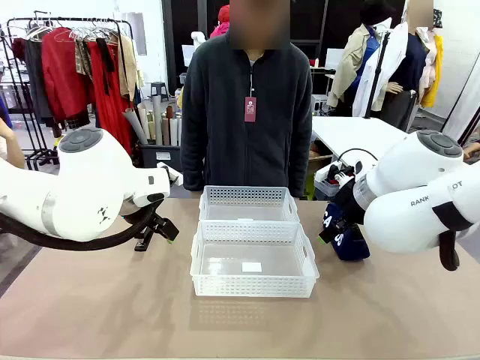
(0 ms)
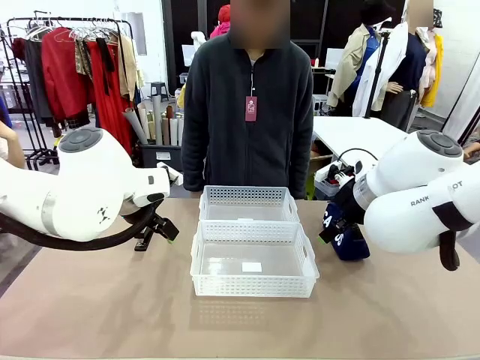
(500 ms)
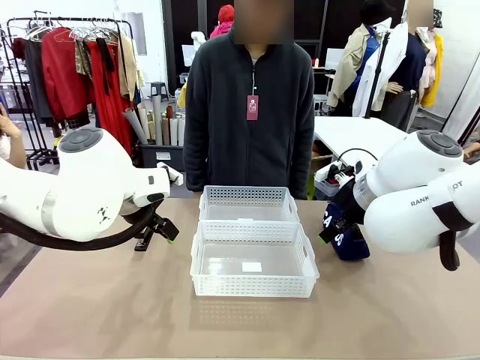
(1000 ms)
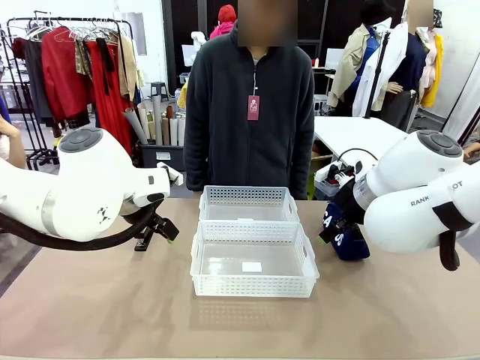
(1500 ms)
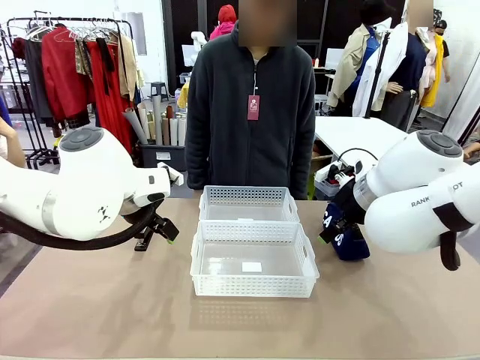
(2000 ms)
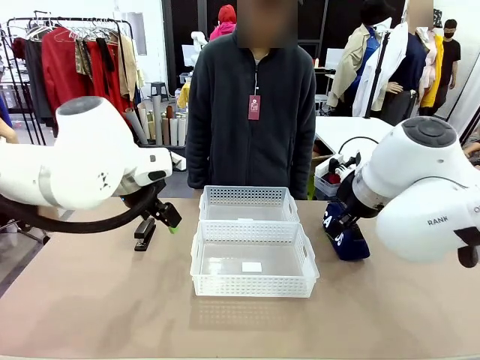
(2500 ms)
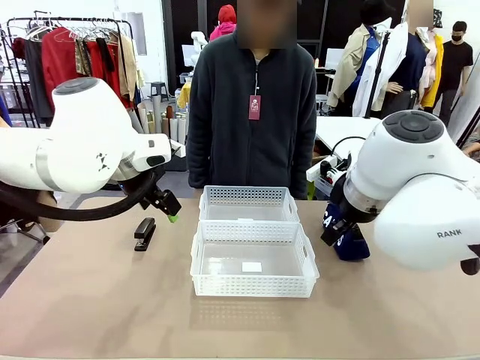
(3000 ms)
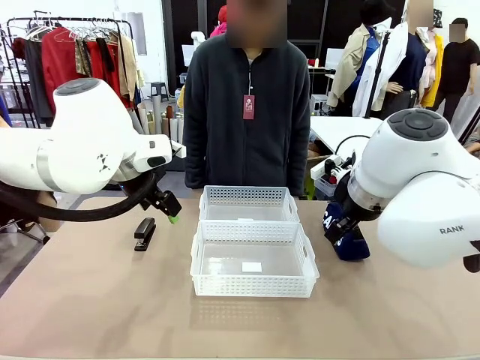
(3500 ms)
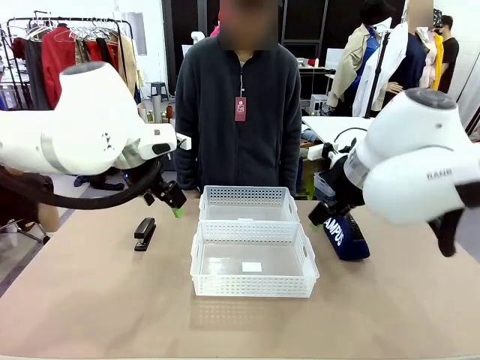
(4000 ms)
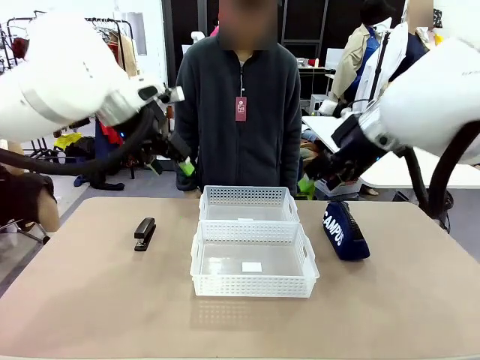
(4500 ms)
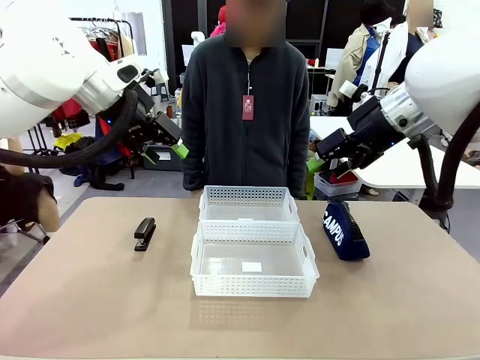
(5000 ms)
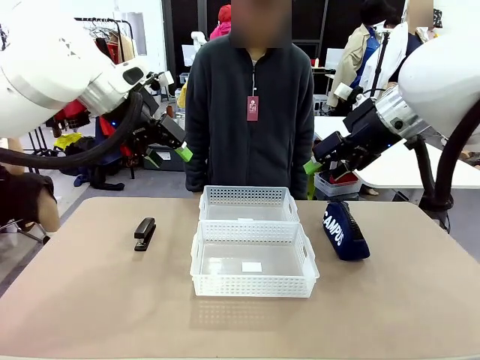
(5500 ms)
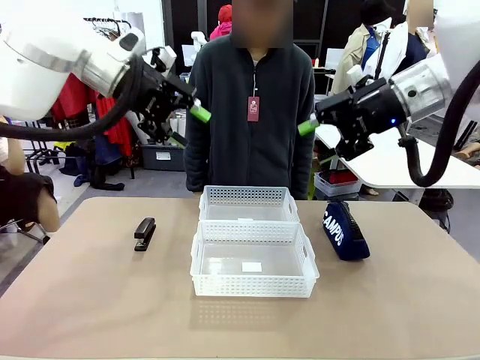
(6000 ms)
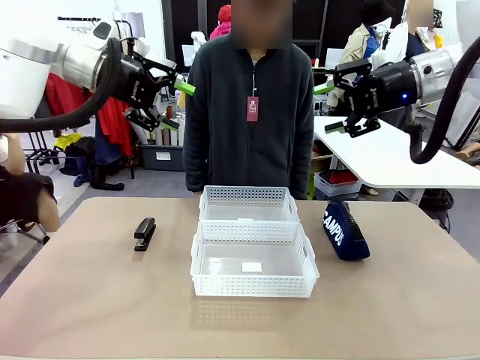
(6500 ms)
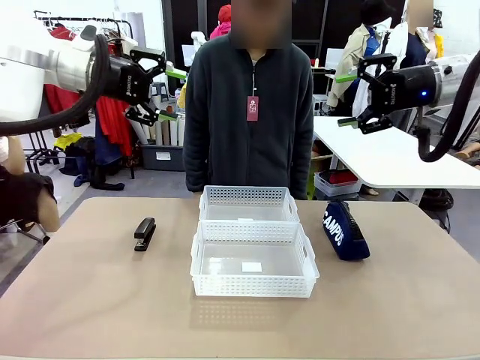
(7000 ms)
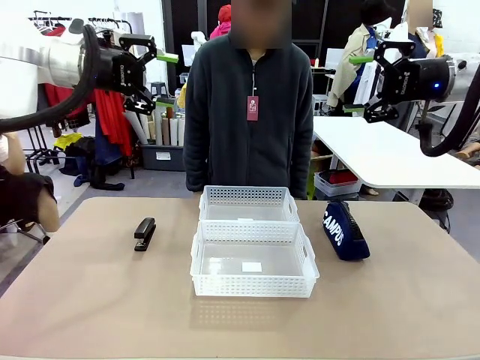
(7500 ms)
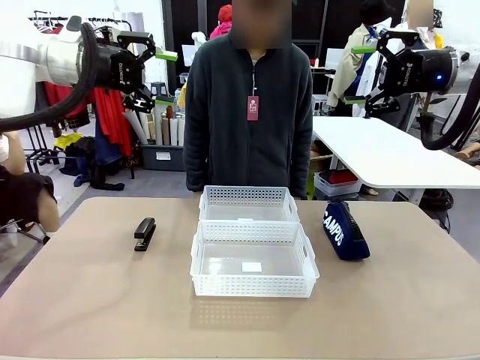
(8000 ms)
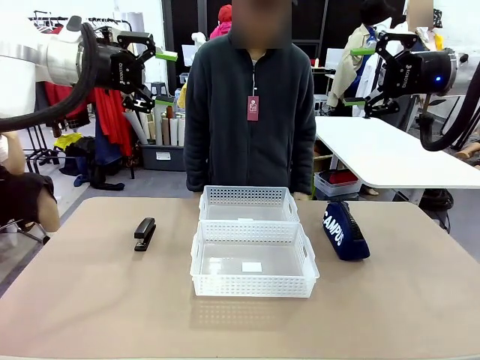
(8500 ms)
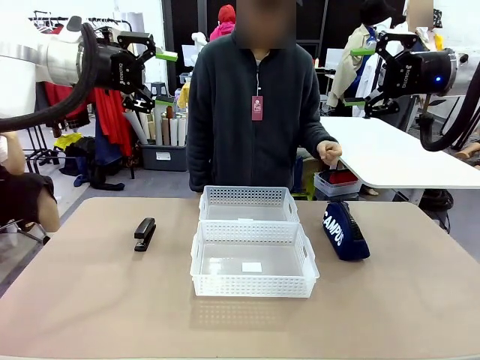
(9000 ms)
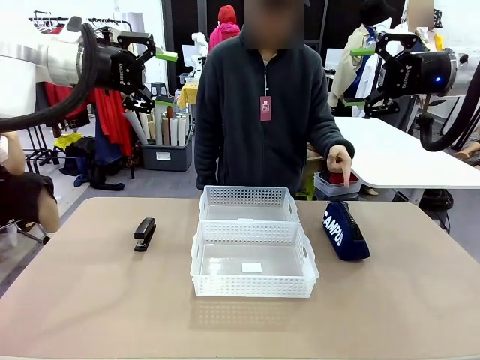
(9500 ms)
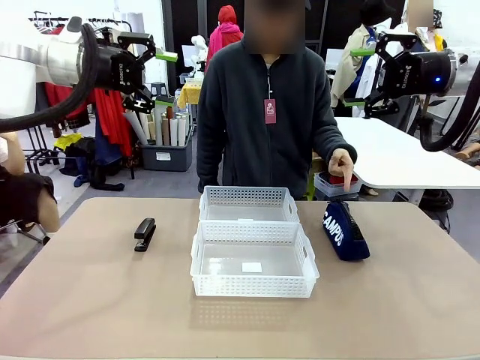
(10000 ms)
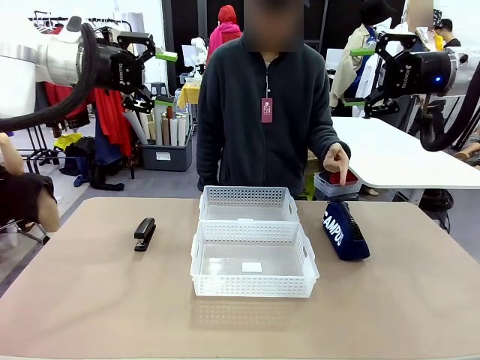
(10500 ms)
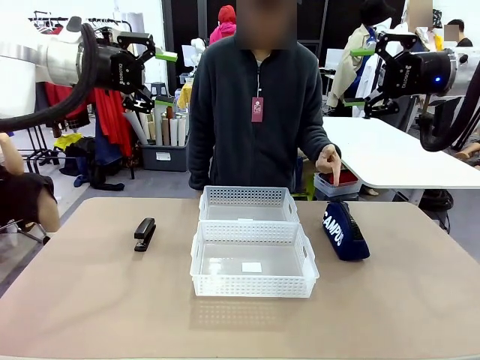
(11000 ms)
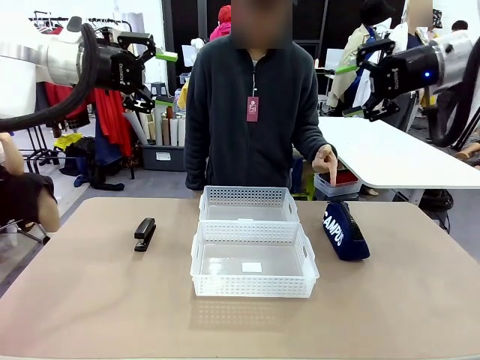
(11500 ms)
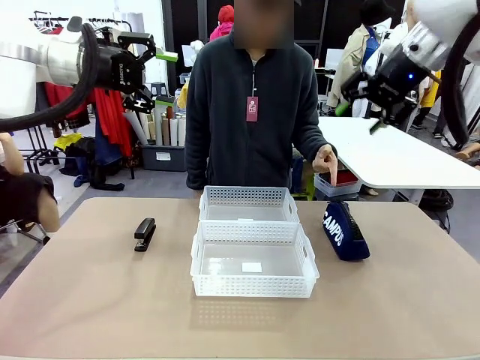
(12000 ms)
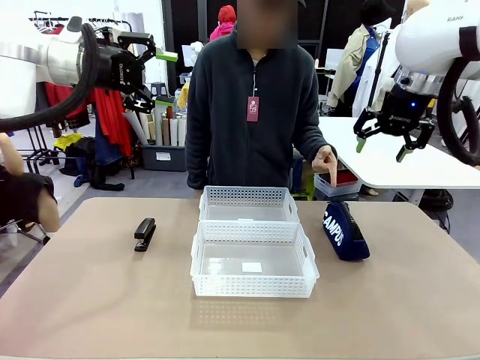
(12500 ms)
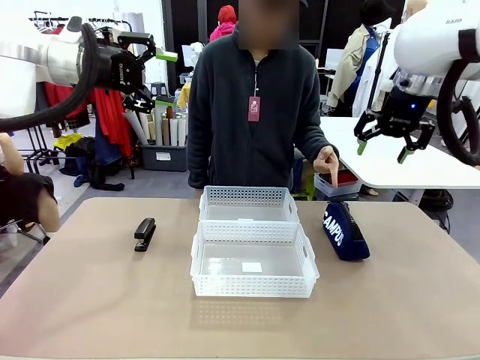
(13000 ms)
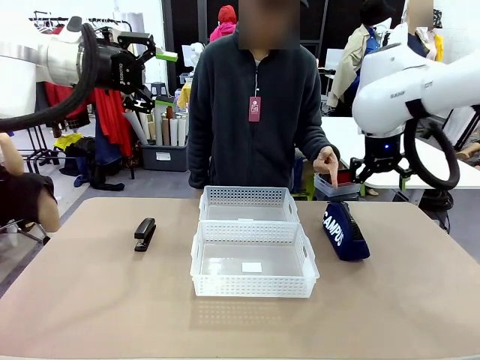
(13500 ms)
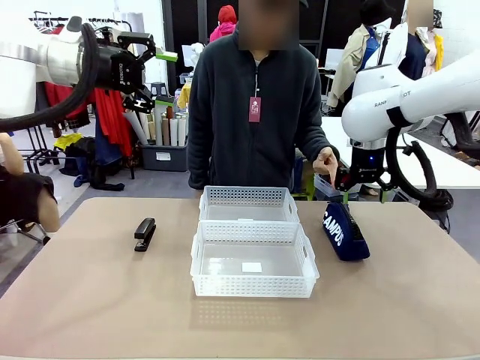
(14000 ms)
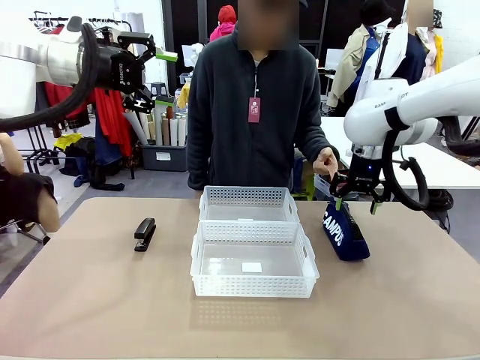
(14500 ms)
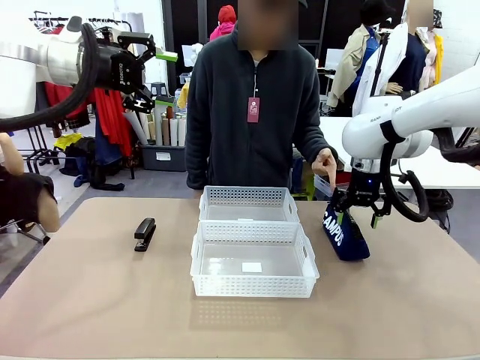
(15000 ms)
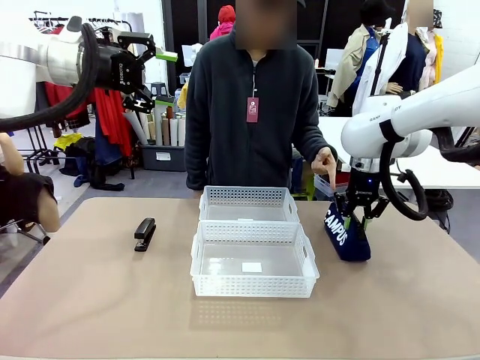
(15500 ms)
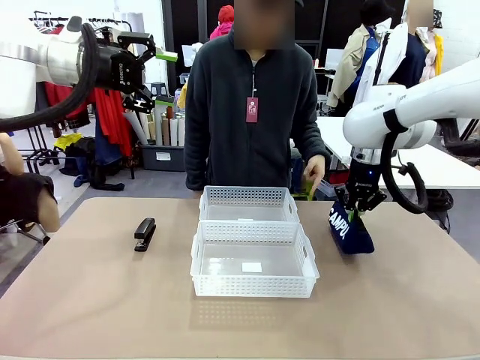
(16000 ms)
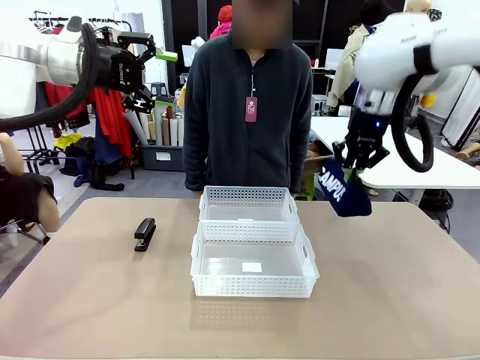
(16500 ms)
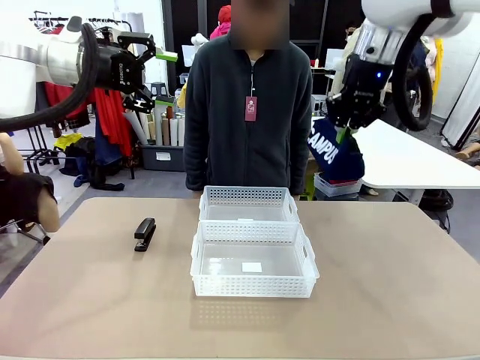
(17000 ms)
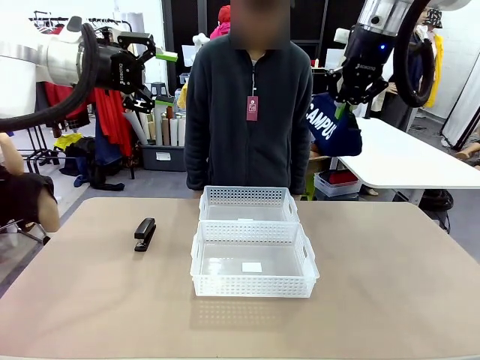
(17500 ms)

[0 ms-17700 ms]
Task: Distribute items into two baskets.
Robot: Pick up the Pencil pouch that the person points to.
Person: Points to the pencil case. Points between the two organizing baskets and instructs the robot to move the pencil case.

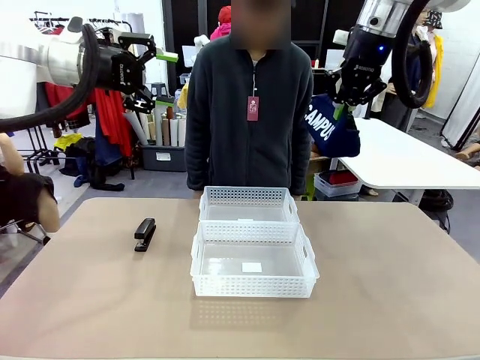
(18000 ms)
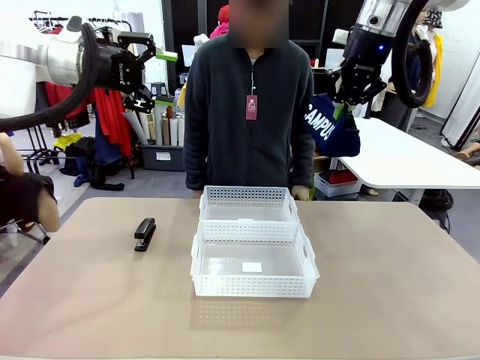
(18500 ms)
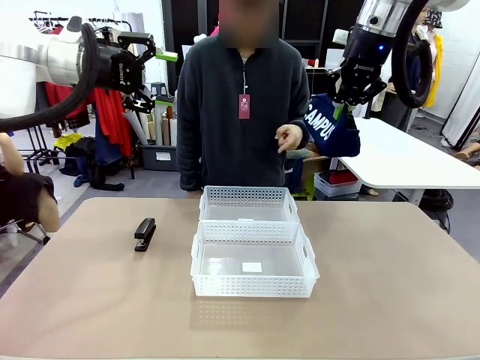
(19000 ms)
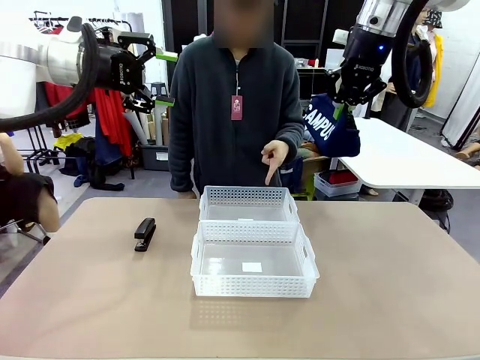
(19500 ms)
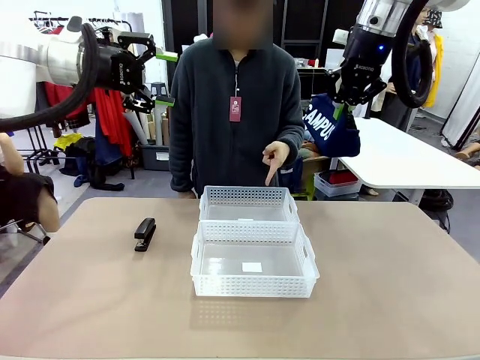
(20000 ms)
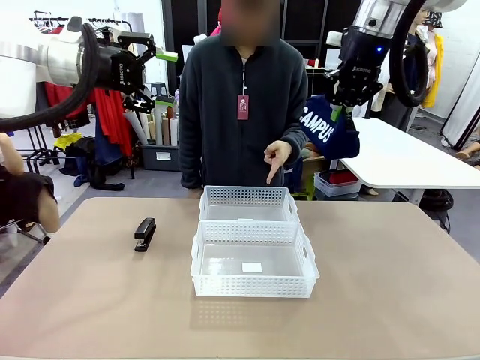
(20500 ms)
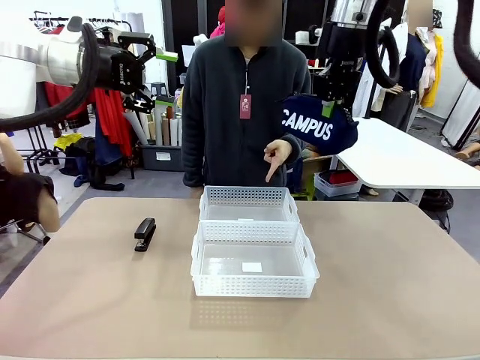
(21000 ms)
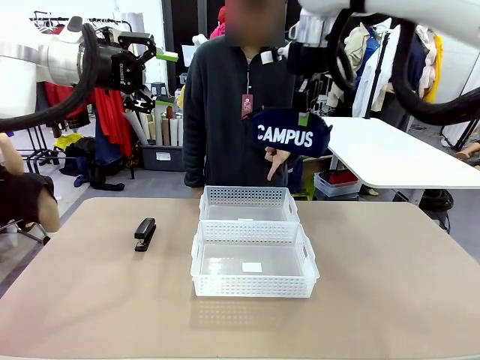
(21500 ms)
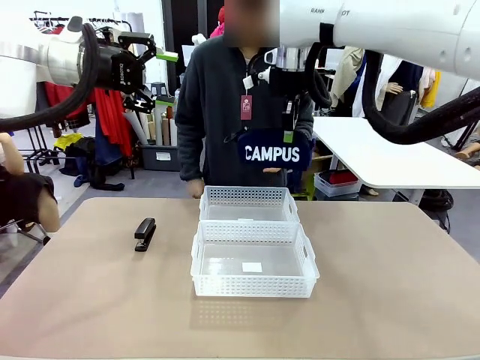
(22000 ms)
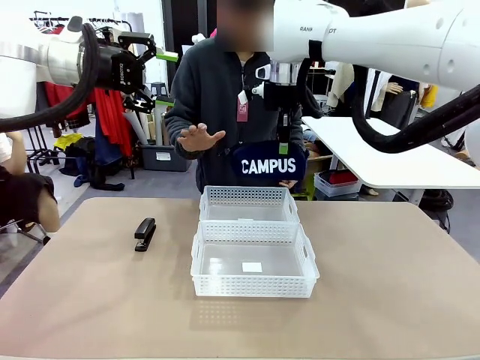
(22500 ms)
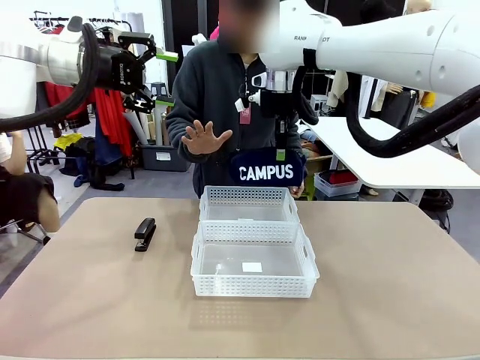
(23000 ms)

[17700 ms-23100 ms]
Robot: Move the picked Pencil pouch towards the Organizing basket indicated by the person, stopping as directed.
Person: Sends a stop gesture before the robot places the pencil case into the basket.

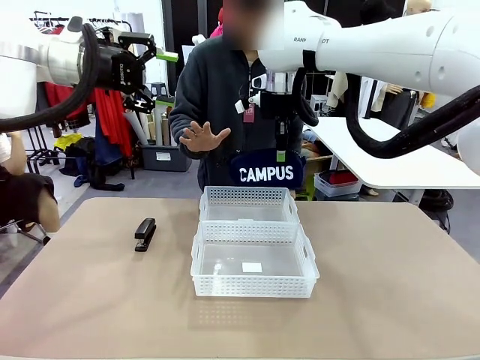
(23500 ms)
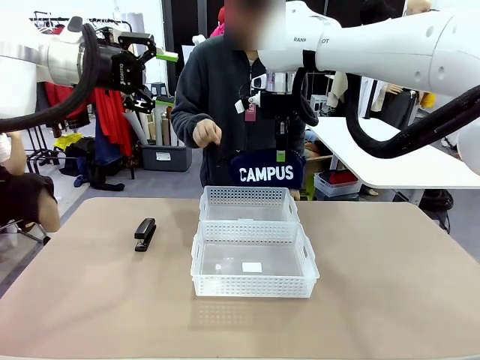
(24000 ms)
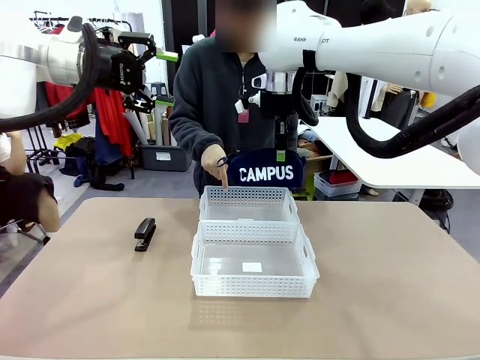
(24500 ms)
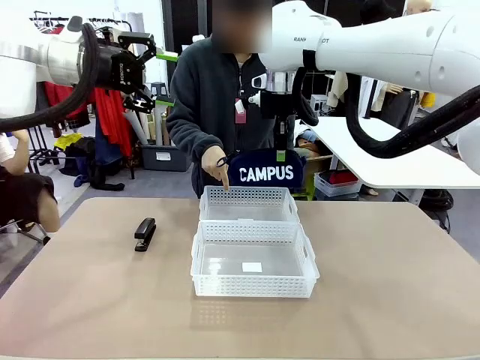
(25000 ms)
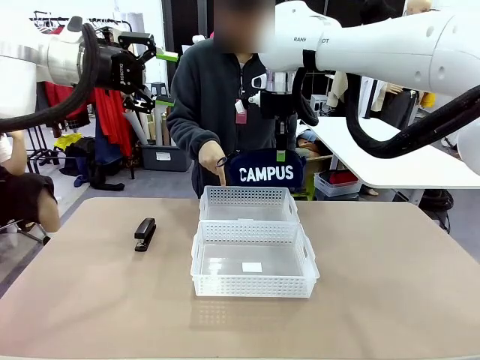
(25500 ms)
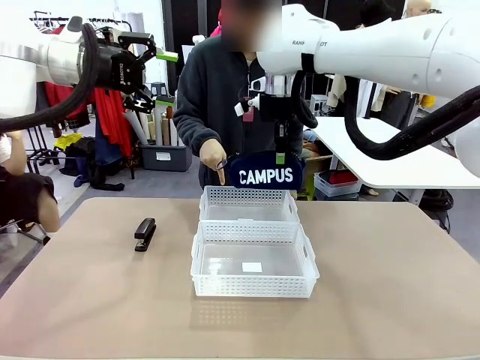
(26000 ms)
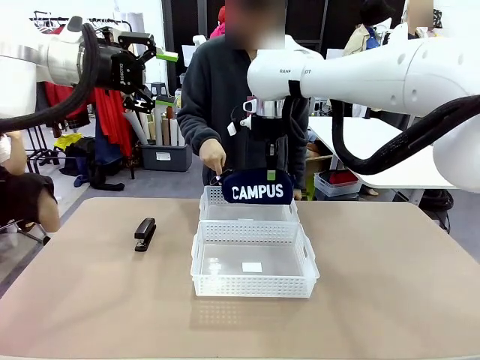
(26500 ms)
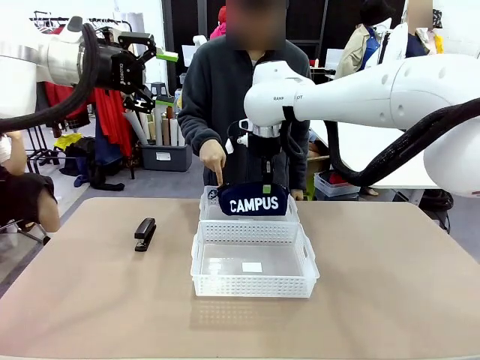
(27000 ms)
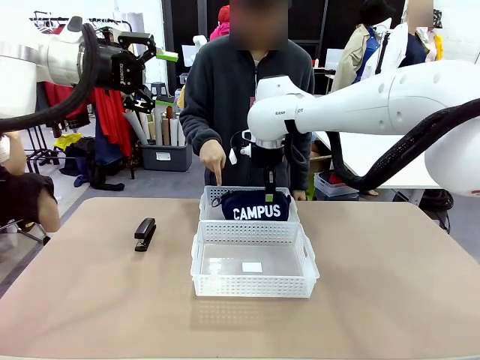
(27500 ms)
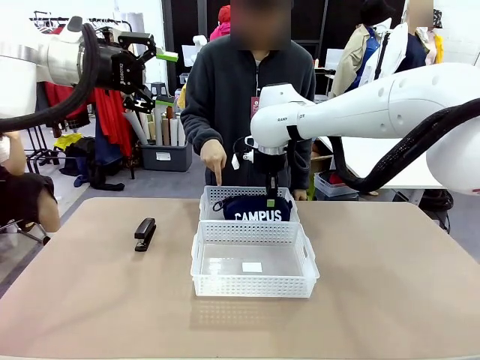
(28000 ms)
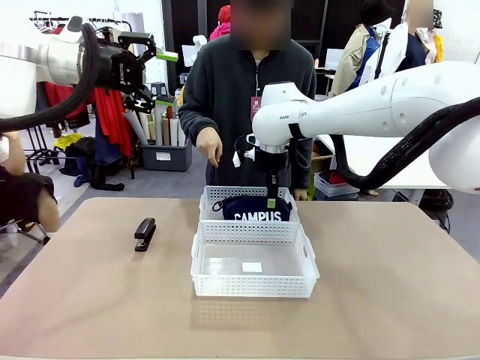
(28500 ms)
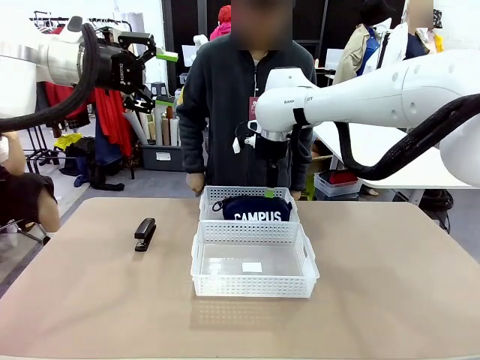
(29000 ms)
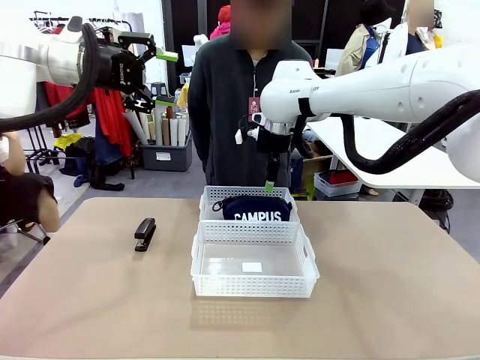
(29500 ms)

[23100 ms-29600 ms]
Robot: Place the picked Pencil pouch into the Organizing basket as instructed by the person.
Person: Instructs the robot to place the pencil case into the opposite basket.
